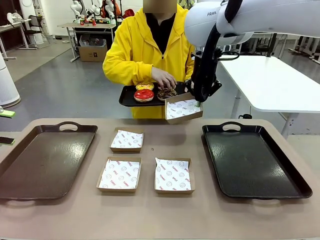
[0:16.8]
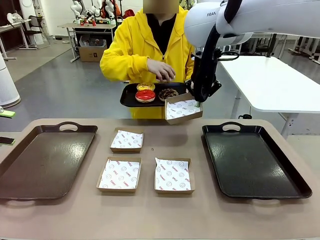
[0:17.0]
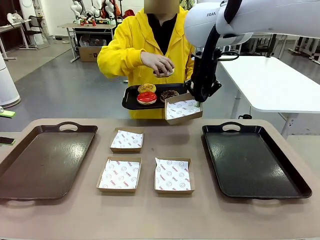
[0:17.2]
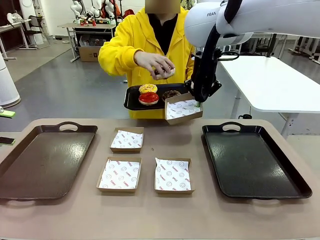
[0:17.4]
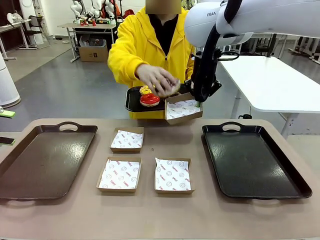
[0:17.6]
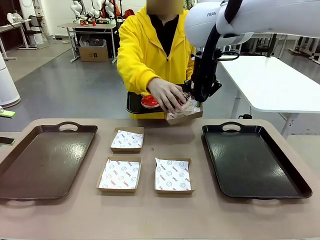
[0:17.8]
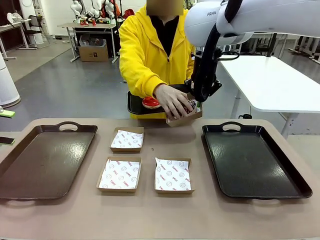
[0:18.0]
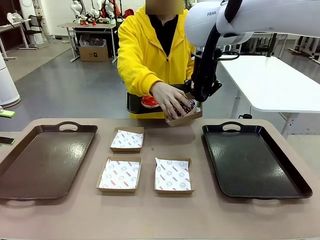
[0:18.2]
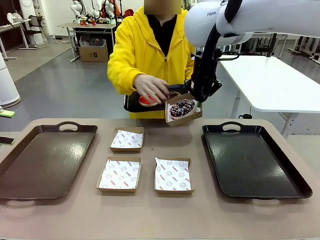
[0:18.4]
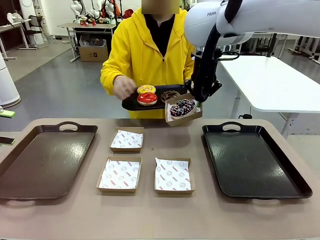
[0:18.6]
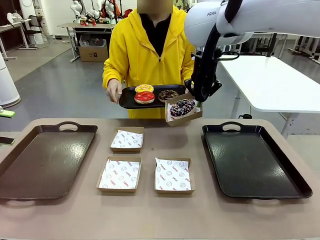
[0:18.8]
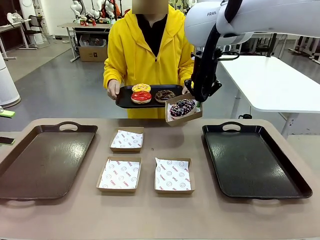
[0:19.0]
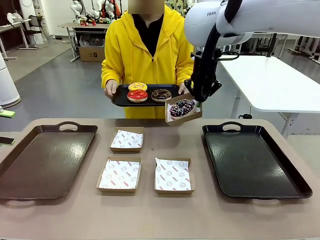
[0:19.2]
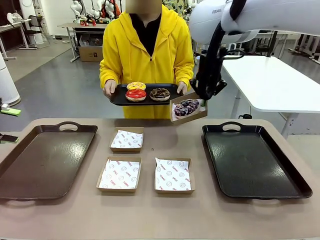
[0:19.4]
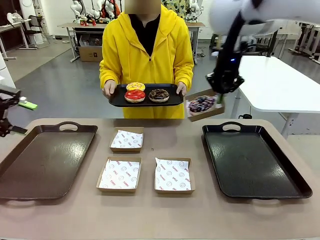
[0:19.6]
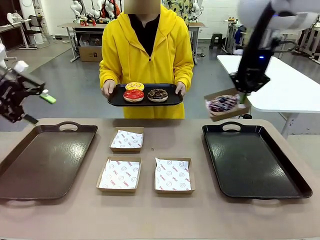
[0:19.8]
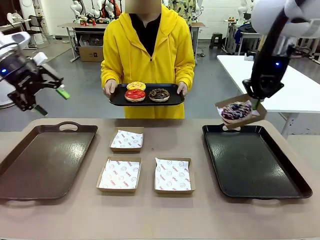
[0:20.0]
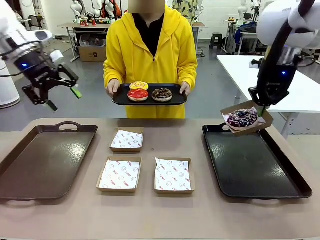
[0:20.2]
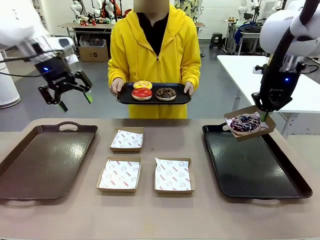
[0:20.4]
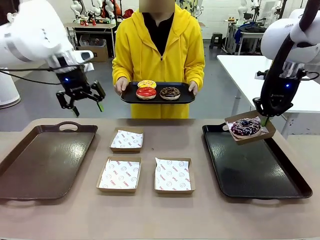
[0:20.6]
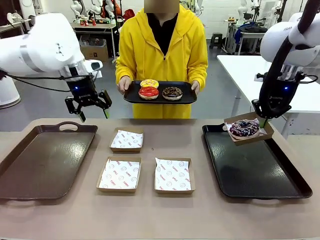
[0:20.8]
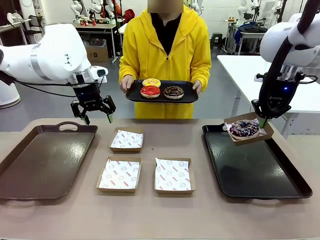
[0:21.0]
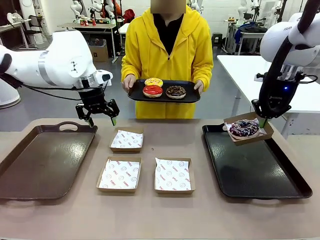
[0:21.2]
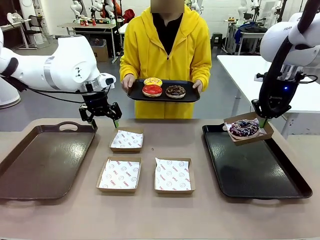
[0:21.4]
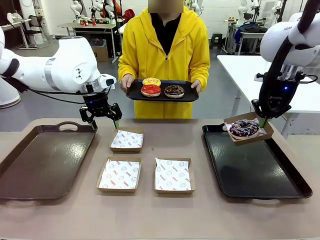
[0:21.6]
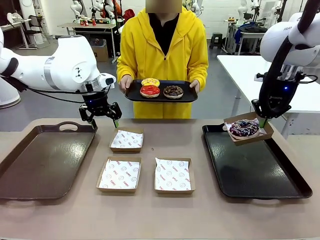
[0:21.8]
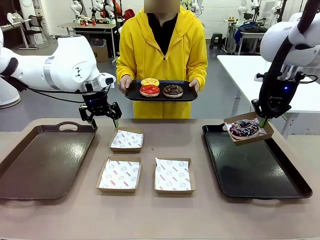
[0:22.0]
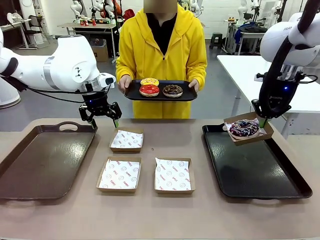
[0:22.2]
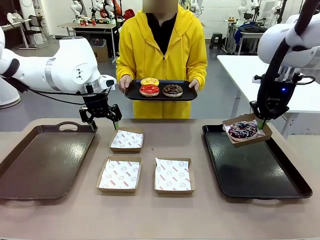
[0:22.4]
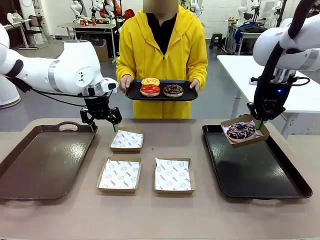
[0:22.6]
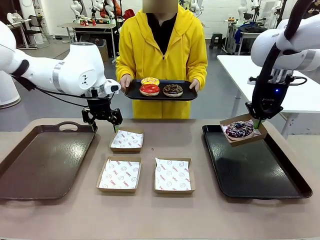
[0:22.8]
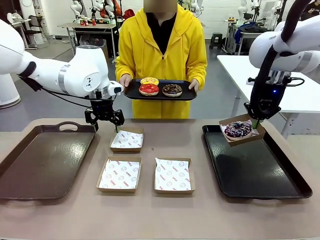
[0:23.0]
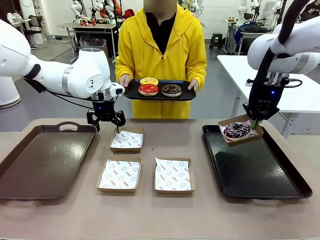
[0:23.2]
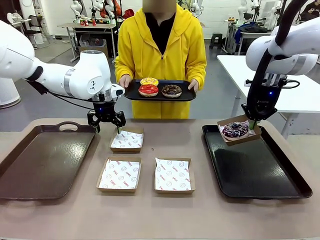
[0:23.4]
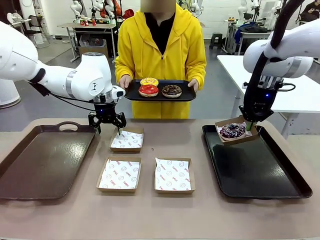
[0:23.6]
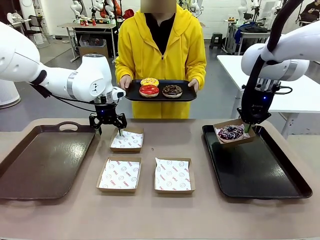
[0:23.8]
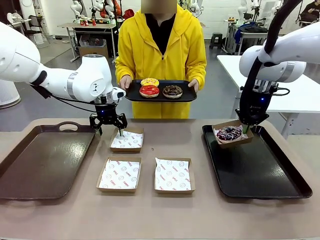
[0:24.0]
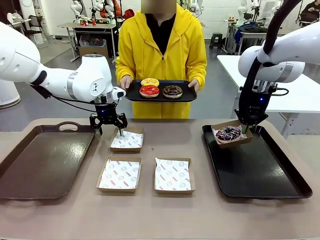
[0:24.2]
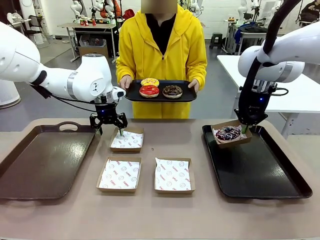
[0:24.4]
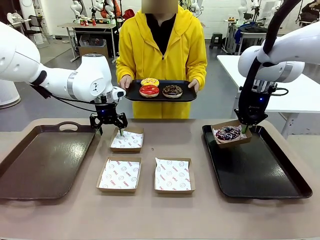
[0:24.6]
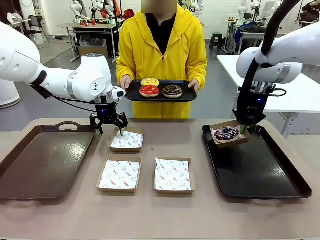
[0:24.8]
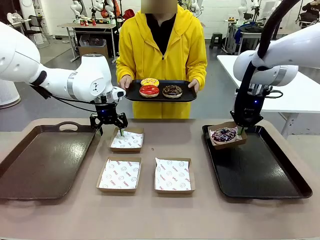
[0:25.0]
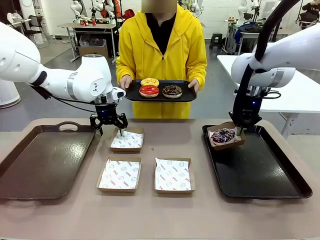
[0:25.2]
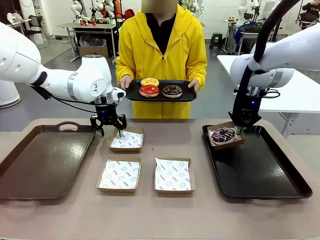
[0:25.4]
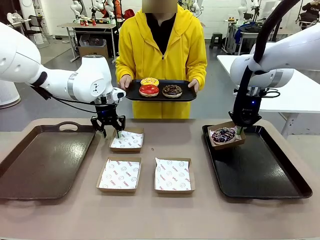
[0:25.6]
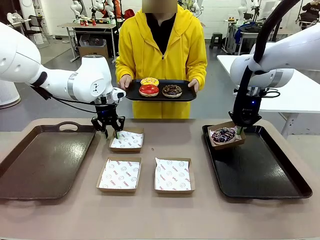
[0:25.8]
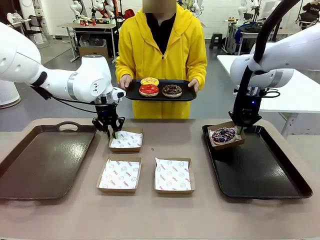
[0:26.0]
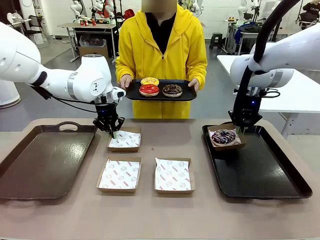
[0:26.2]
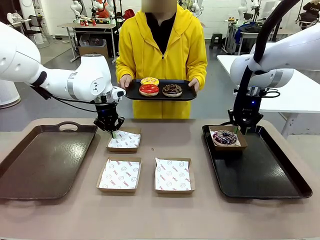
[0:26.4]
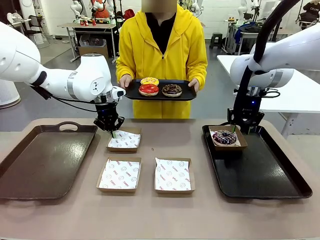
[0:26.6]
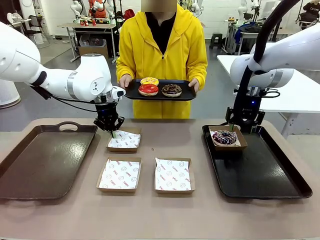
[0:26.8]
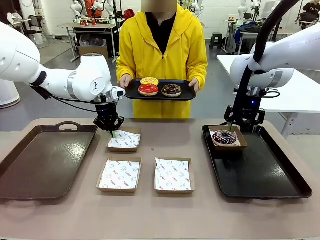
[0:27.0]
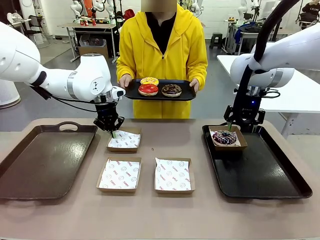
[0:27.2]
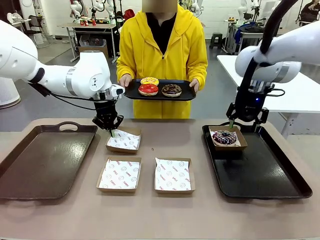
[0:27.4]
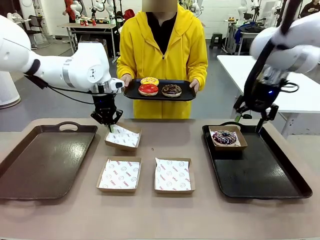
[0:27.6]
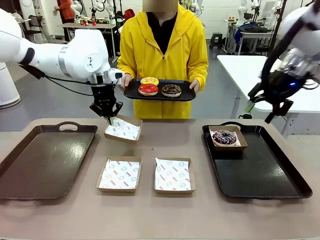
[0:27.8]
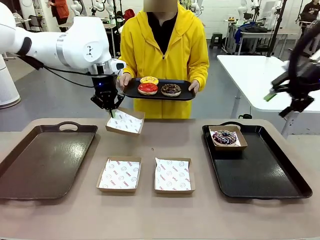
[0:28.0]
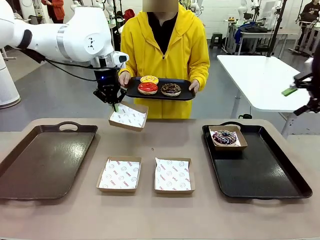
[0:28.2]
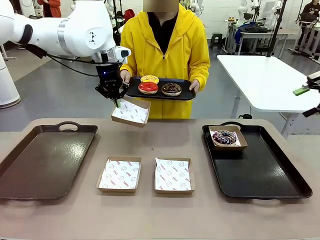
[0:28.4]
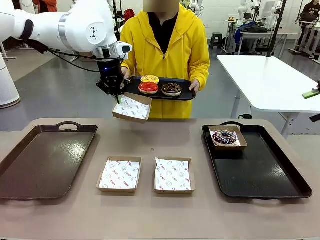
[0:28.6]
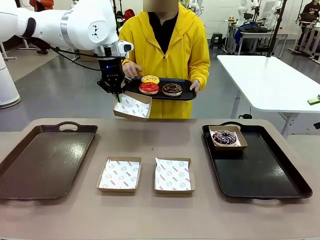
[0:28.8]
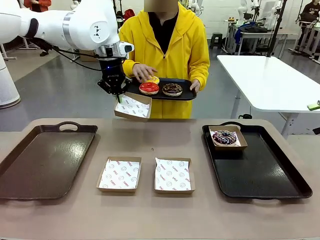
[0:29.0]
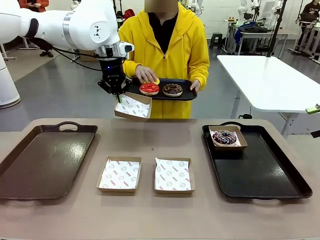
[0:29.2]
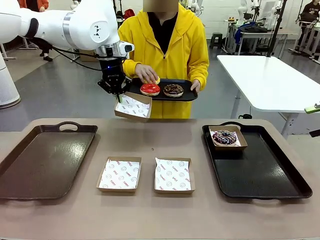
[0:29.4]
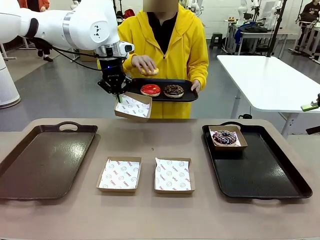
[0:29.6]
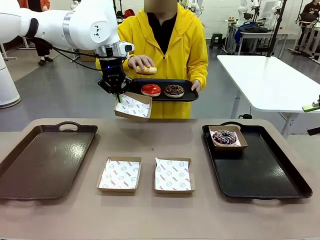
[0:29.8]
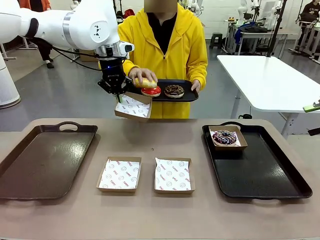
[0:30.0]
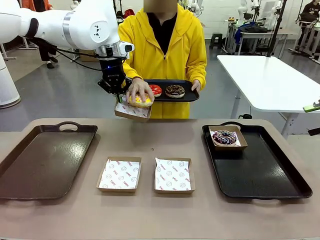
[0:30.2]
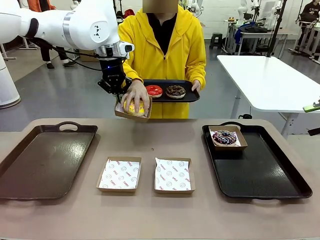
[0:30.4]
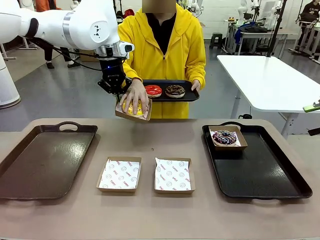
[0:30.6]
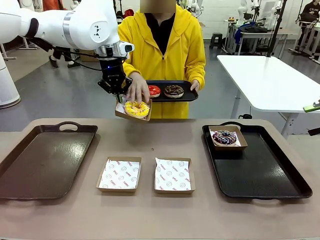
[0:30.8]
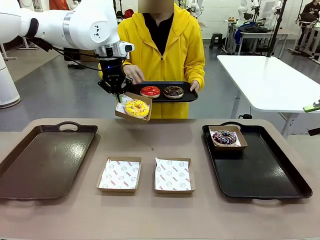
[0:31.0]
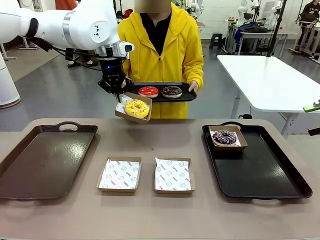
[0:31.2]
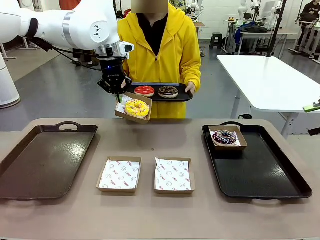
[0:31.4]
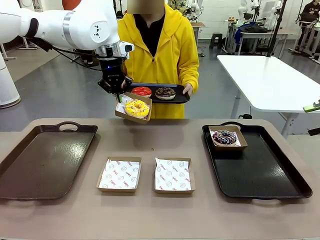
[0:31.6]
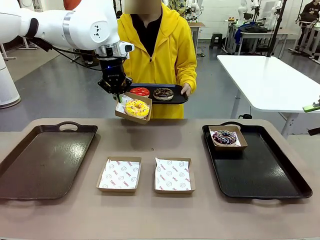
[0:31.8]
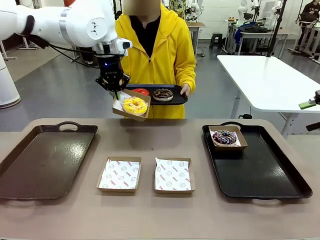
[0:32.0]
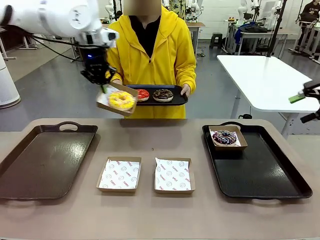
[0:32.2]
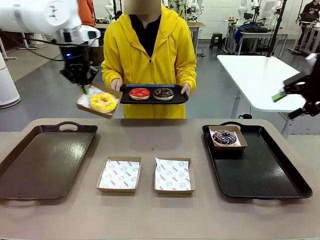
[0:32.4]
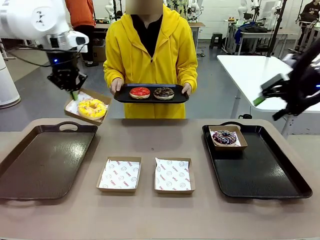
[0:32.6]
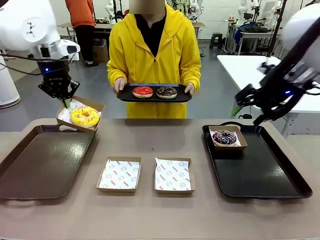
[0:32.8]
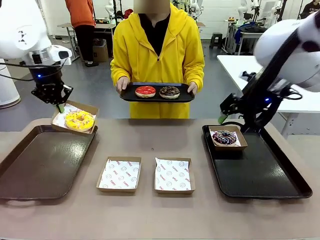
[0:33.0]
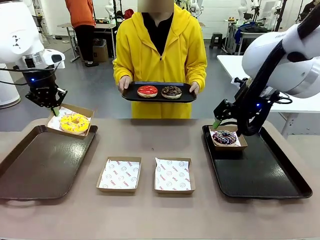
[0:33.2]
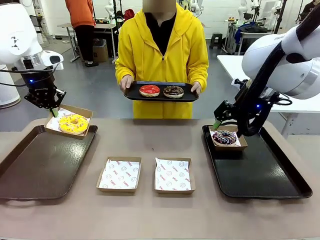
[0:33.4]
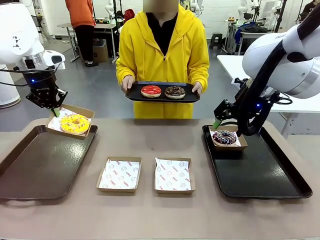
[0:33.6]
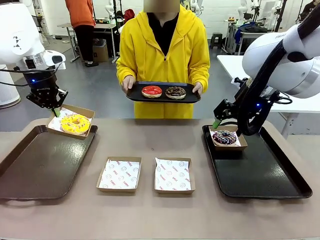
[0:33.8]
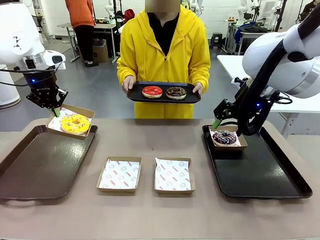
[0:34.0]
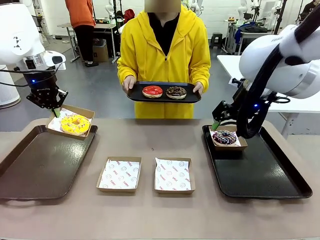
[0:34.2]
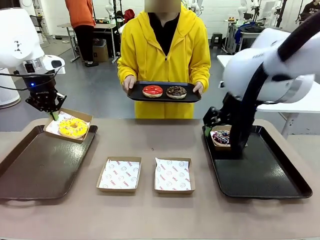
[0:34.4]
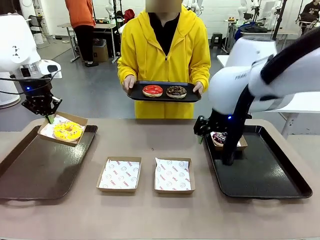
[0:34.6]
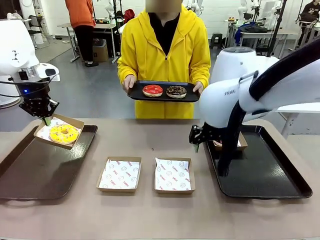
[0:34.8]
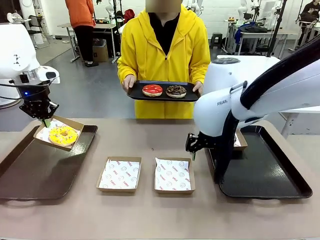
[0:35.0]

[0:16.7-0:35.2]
Task: Individually package the donuts and arrange them on the tray.
Robot: Place the picked Paper togo box on the Handle tray while simultaneously picking up another Paper togo box from the table with the other hand.
